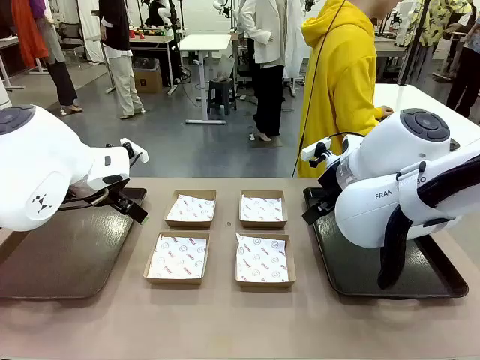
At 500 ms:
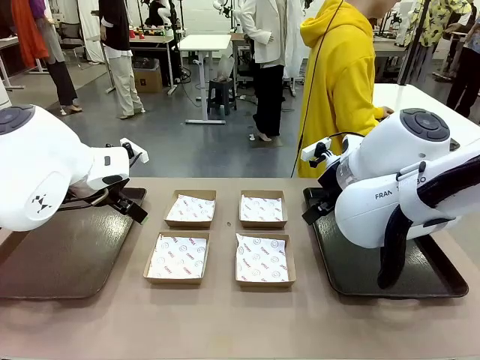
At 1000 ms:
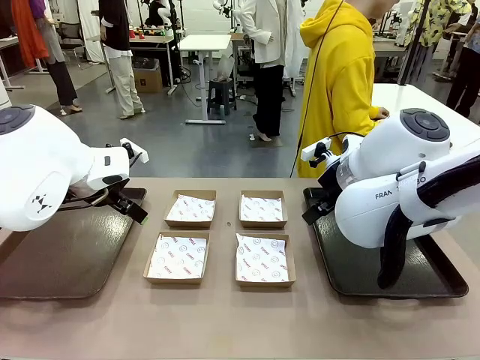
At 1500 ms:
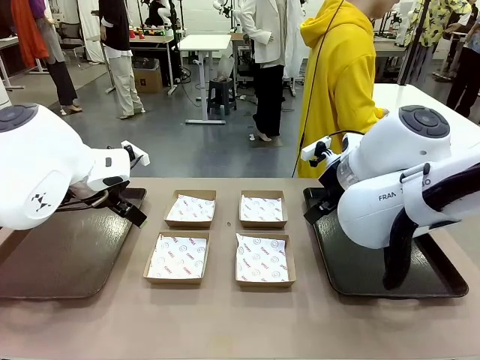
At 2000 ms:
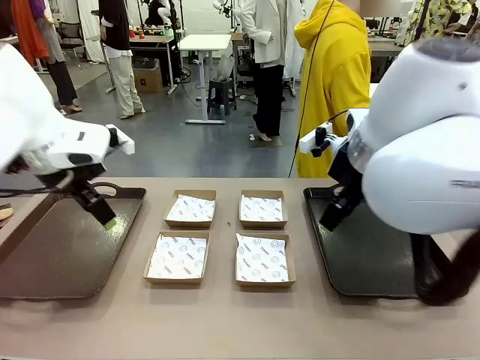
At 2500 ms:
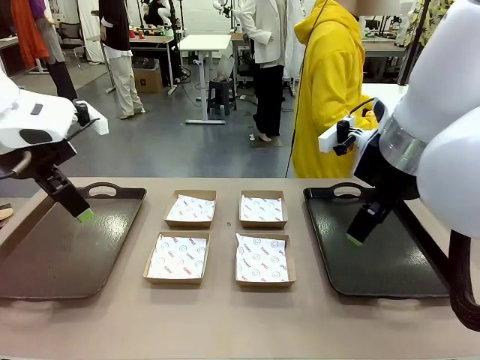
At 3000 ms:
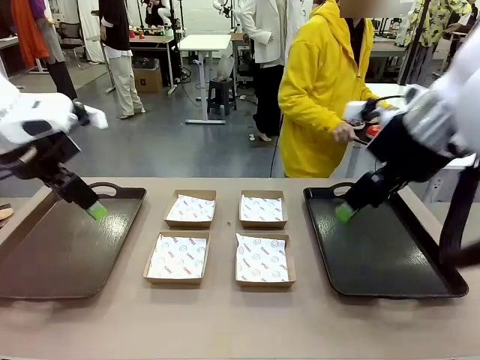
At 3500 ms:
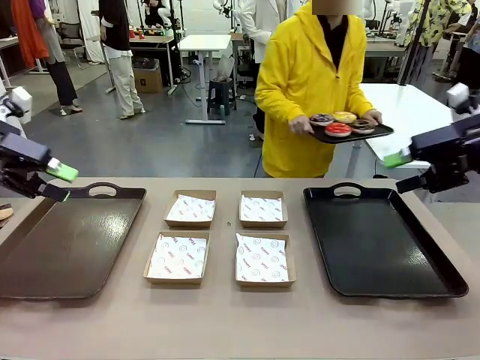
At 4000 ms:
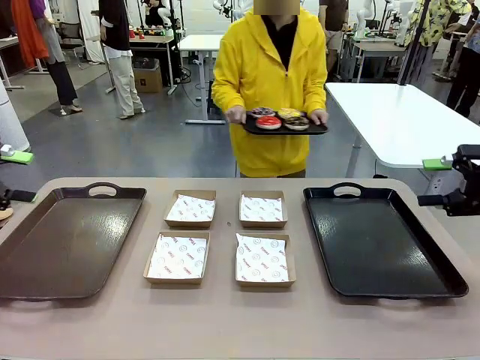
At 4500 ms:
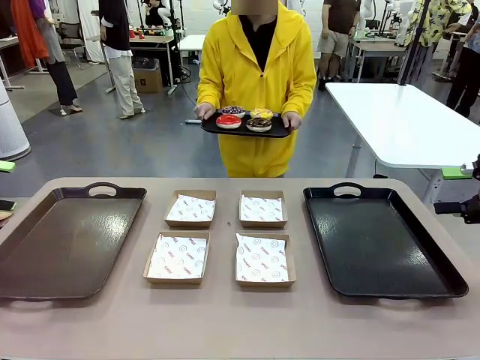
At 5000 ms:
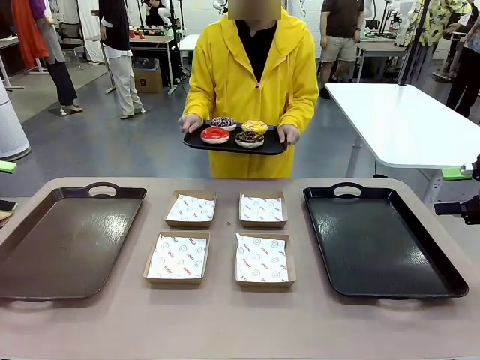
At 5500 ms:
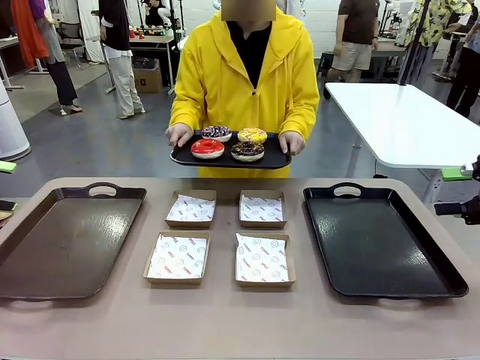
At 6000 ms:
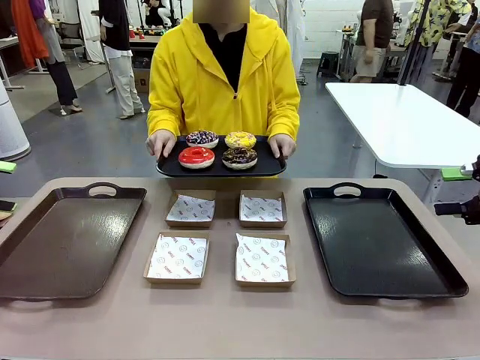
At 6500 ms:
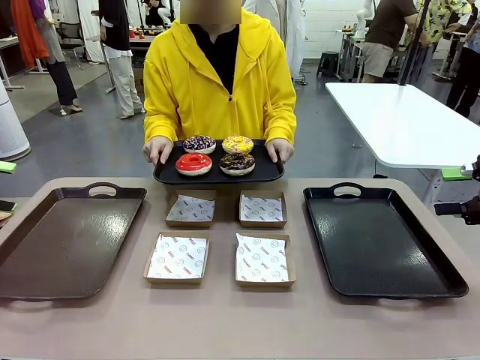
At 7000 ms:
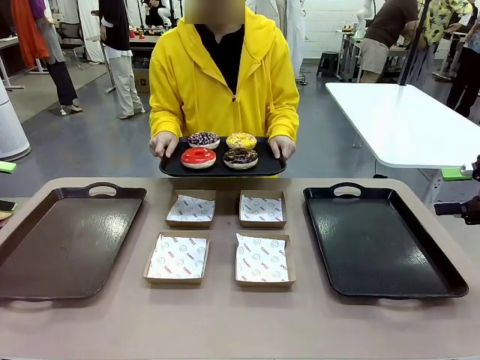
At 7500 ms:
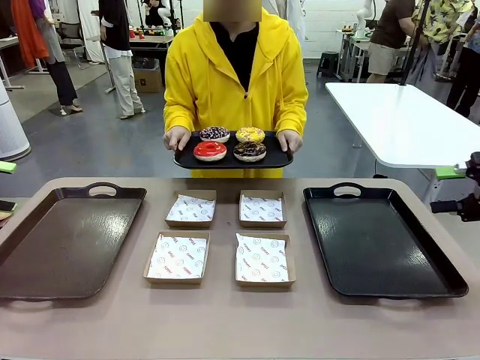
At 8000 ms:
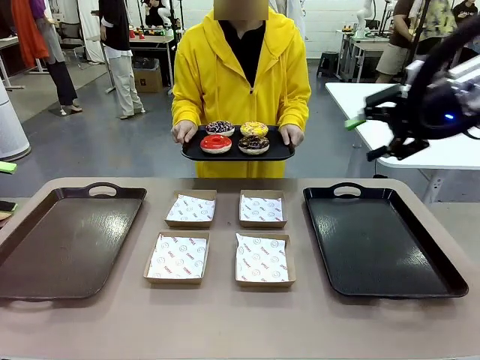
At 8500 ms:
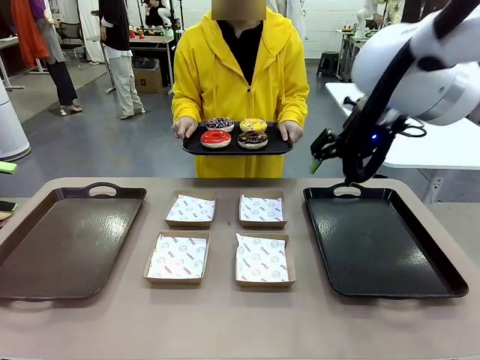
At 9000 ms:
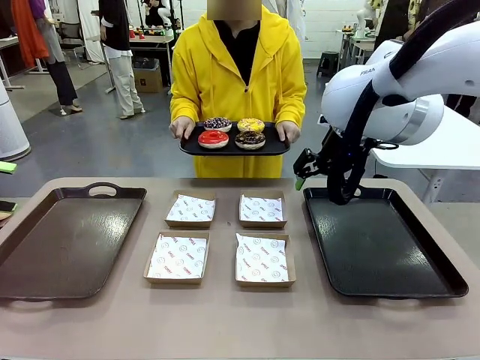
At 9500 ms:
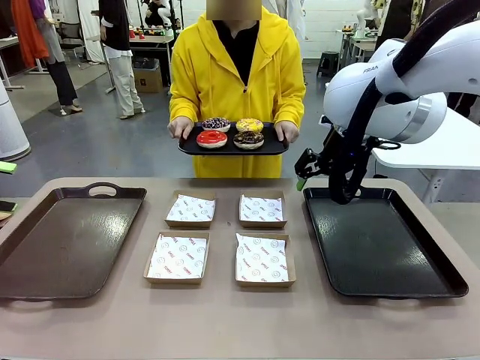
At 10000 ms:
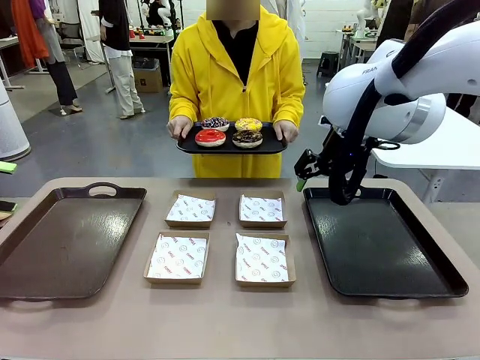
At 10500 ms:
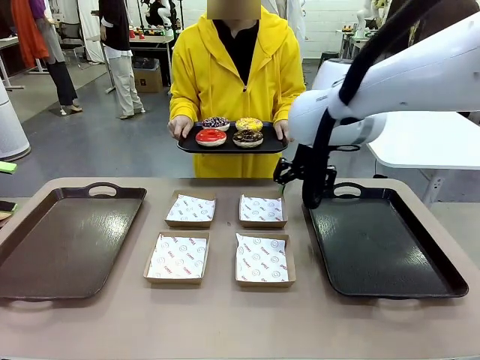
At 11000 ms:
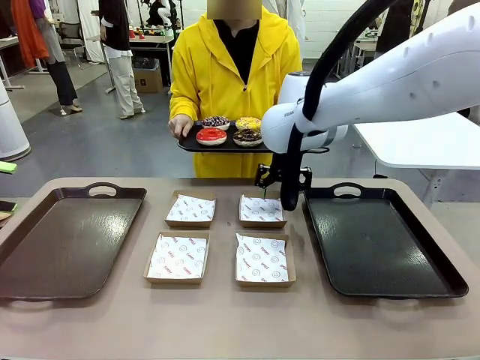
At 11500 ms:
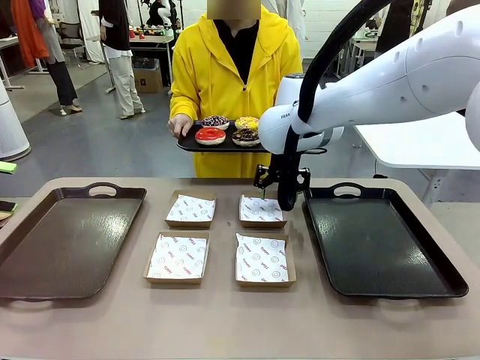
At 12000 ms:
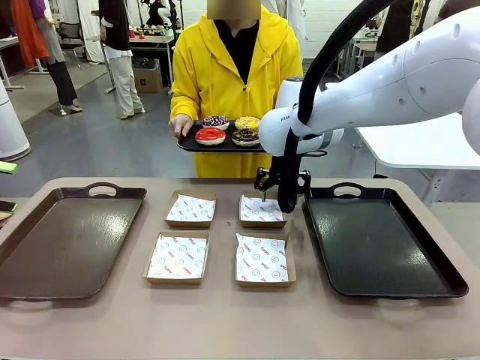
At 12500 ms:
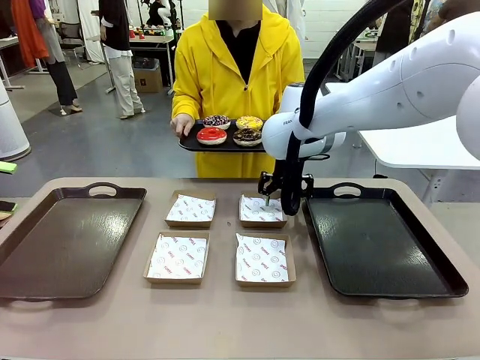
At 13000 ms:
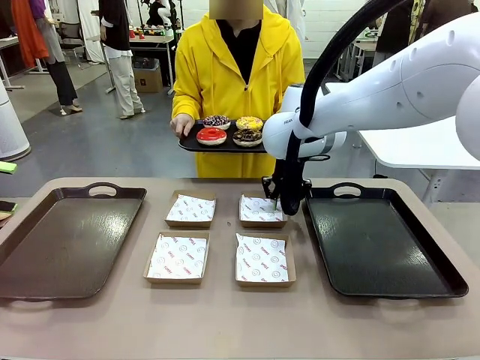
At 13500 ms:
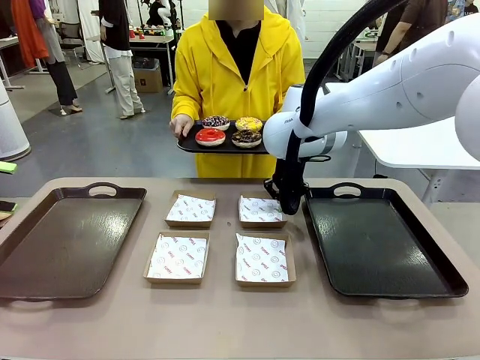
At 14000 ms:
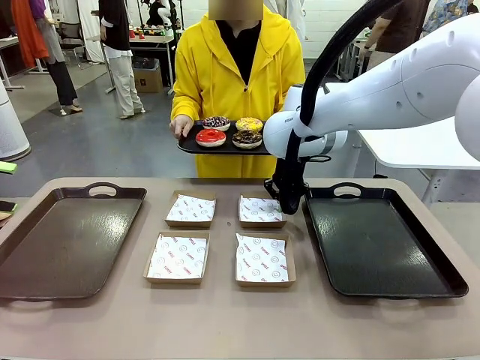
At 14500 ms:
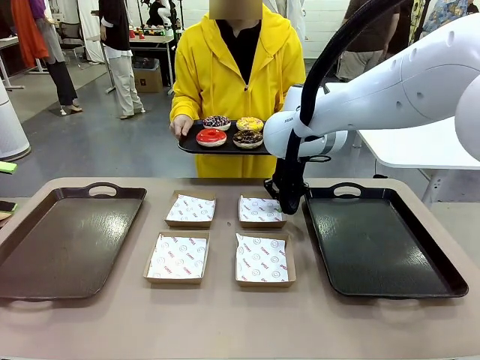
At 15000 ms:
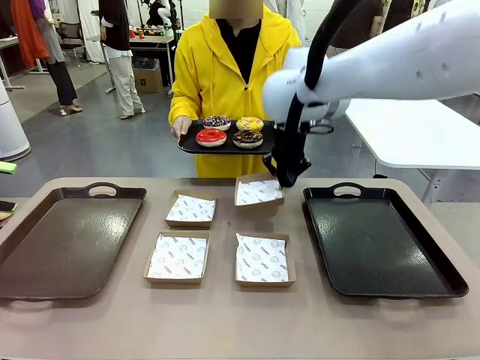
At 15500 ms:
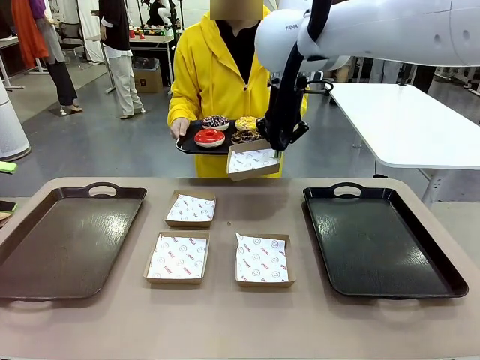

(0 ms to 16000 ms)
Task: Individually package the donuts and arrange them on the tray.
Robot: Pick up one Paper togo box.
Person: Stand in front of the robot table holding the tray containing the donuts.
